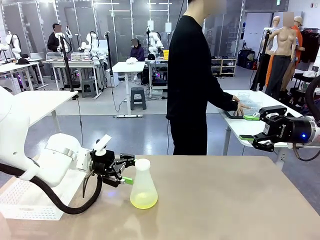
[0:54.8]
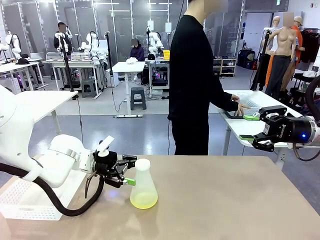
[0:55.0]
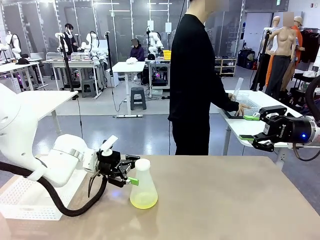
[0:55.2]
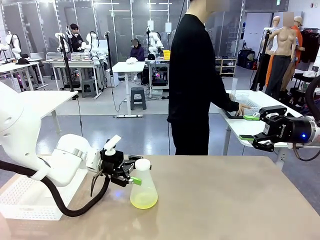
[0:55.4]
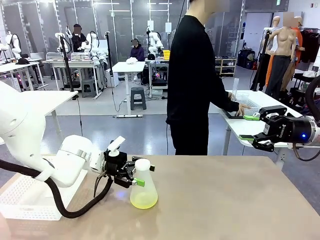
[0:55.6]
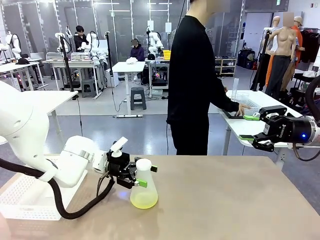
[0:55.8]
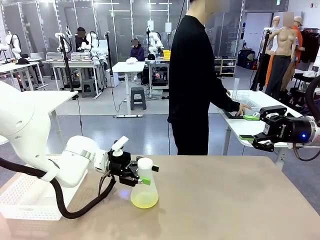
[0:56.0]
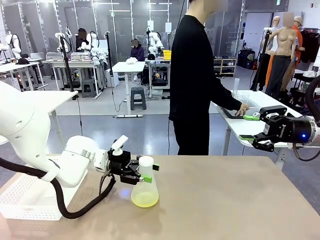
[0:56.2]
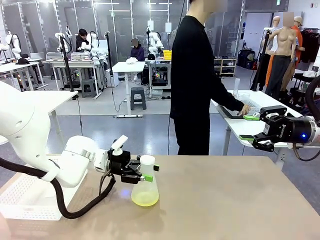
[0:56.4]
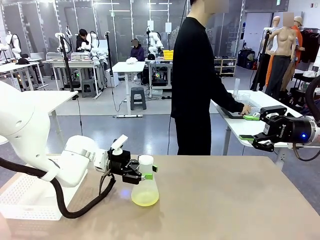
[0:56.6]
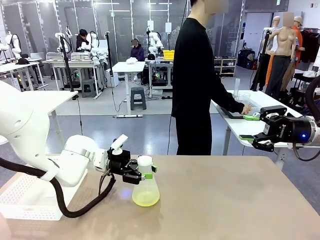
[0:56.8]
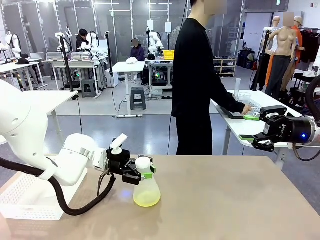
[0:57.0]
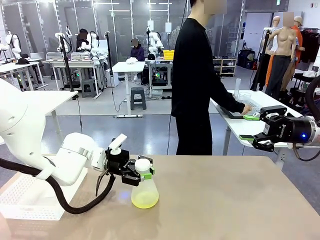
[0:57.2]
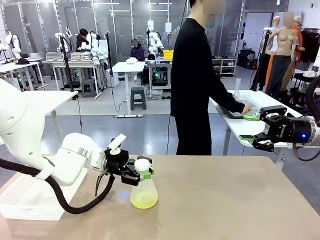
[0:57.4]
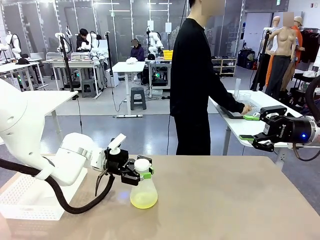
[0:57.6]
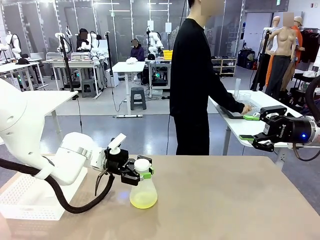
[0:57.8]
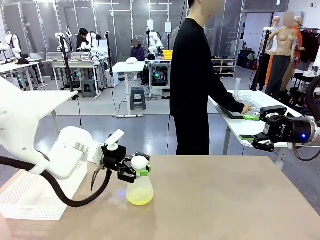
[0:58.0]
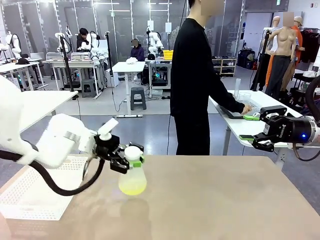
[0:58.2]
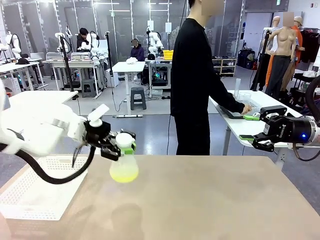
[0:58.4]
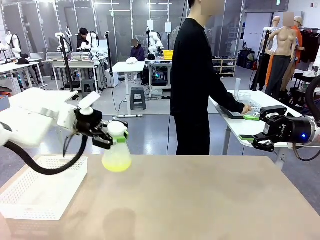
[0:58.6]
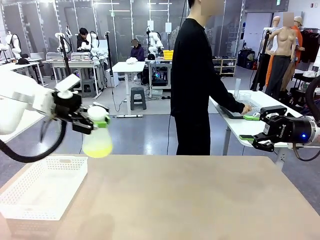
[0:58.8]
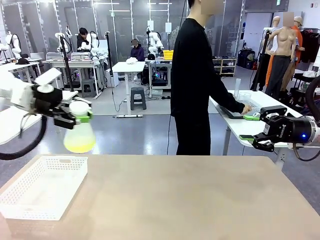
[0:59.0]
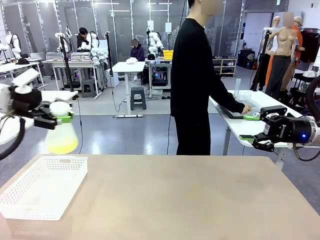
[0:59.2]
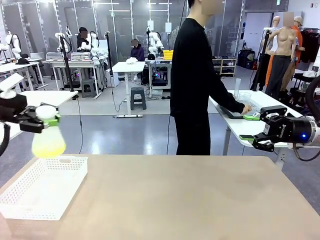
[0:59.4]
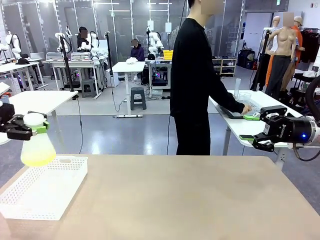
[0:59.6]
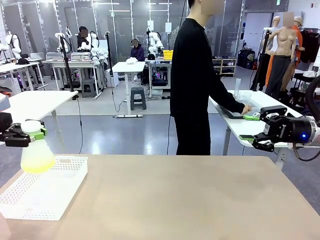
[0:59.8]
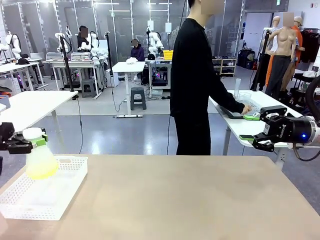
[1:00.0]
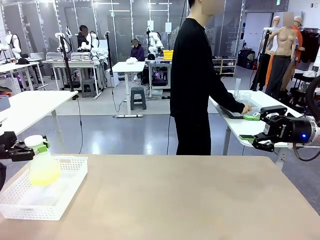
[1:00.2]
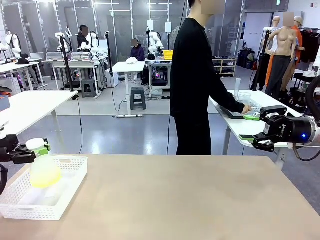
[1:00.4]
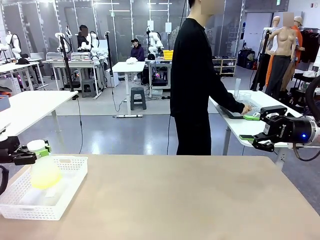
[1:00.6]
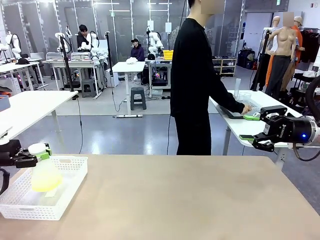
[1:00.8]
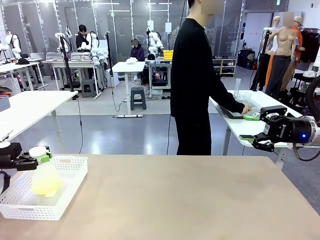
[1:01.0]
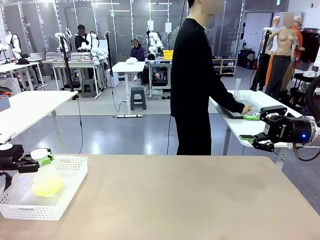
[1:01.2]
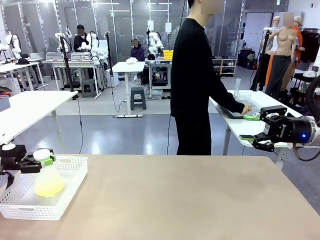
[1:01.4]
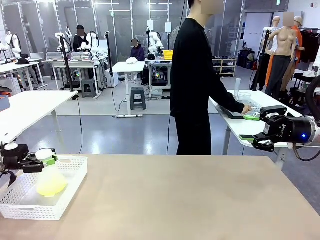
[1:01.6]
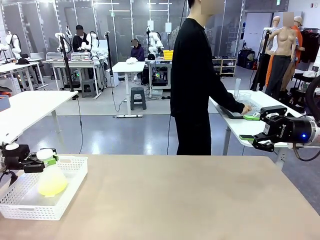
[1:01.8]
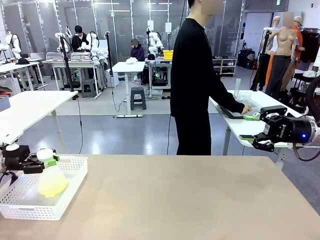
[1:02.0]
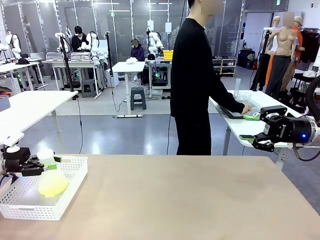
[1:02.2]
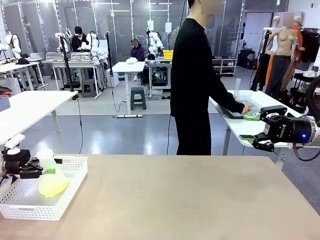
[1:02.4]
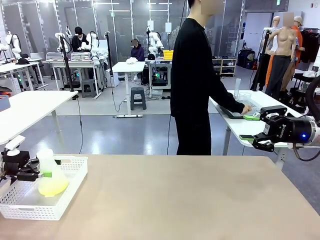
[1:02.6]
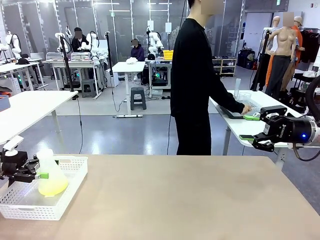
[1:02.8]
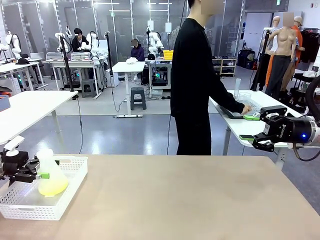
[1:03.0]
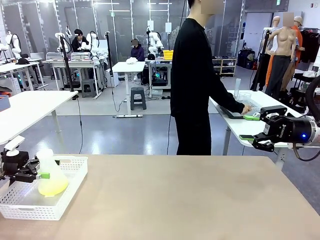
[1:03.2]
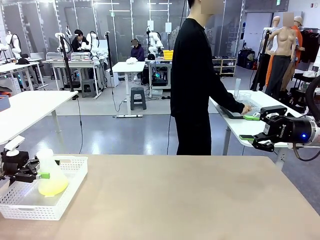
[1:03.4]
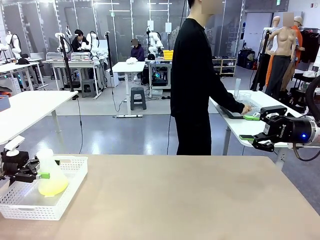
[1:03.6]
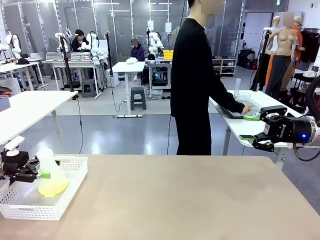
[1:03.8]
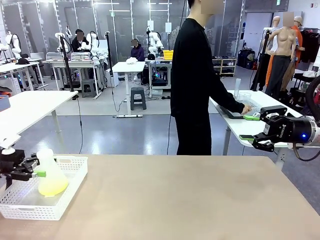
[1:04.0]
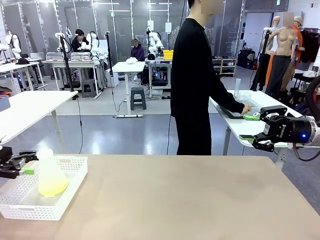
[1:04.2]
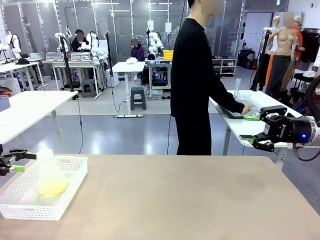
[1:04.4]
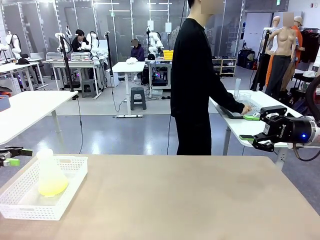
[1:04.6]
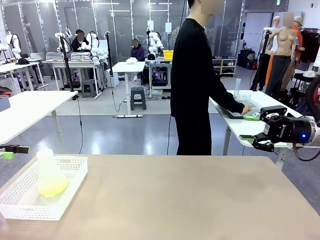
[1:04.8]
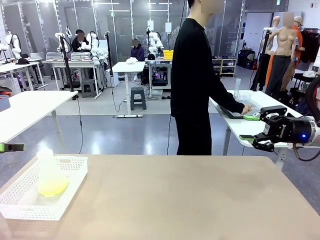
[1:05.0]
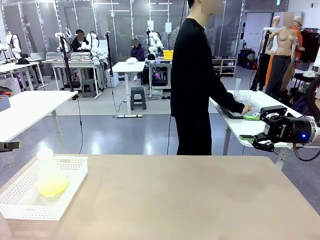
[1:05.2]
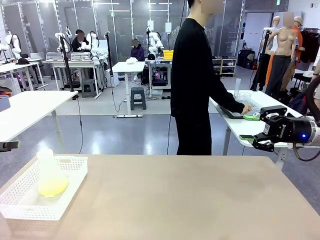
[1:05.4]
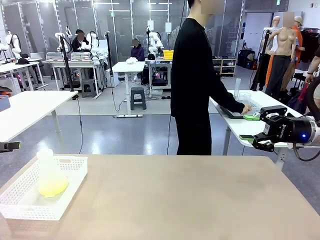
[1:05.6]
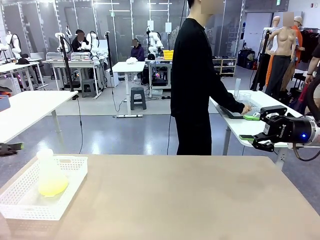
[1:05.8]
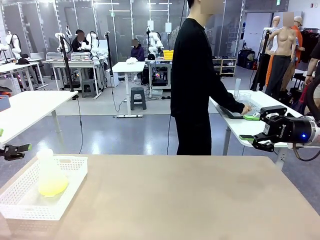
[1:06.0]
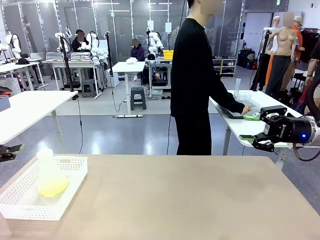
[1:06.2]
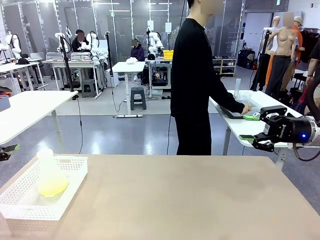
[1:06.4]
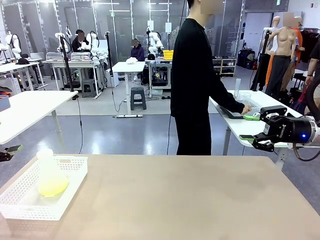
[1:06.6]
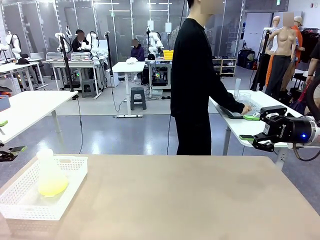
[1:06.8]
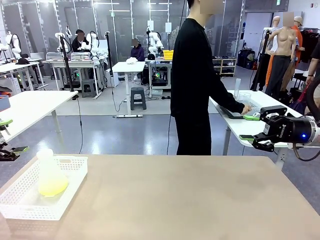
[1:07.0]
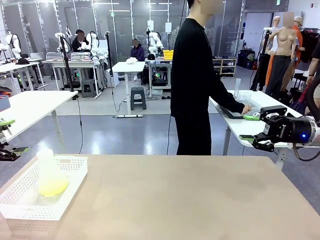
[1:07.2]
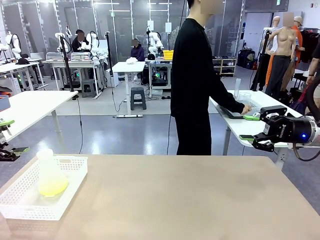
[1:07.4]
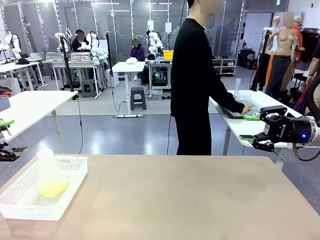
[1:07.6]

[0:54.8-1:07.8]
Task: Prepare the solutions needed for the experiment.
Robot: When the human places the Big flask in the center of the table, pick up the Big flask and place it in the left Organizing basket.
Person: Pick up the organizing basket on the left side of the robot table and place it on the left side of the human table.

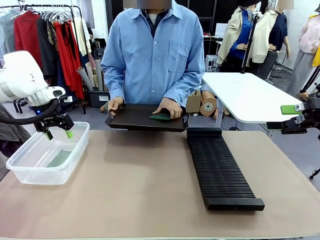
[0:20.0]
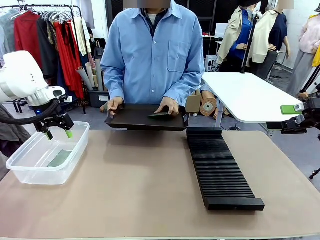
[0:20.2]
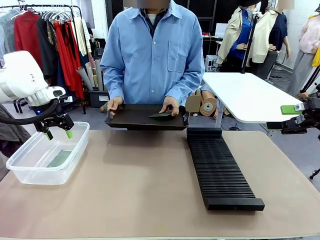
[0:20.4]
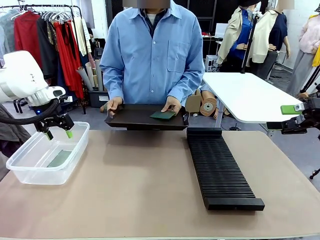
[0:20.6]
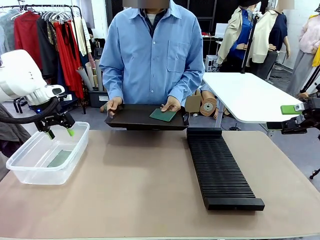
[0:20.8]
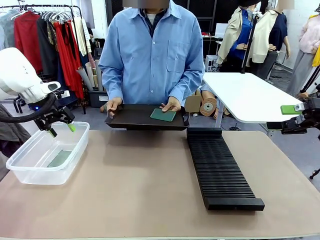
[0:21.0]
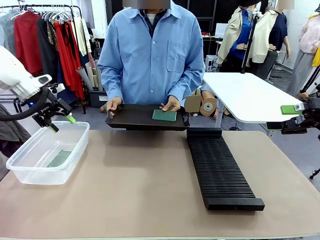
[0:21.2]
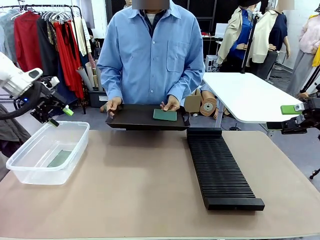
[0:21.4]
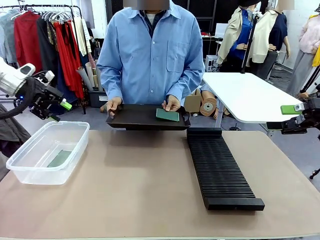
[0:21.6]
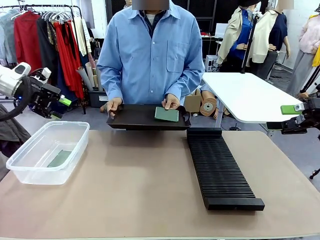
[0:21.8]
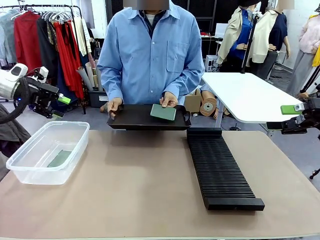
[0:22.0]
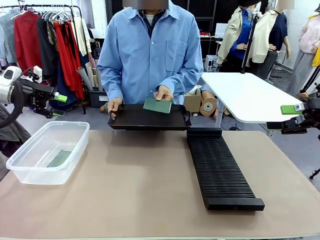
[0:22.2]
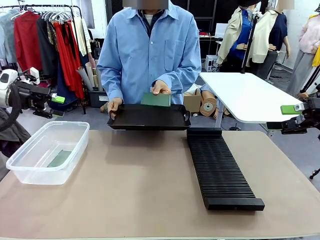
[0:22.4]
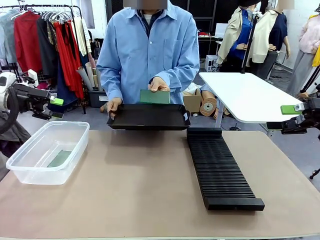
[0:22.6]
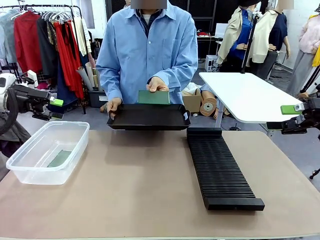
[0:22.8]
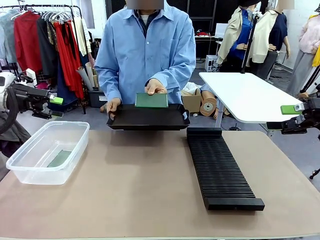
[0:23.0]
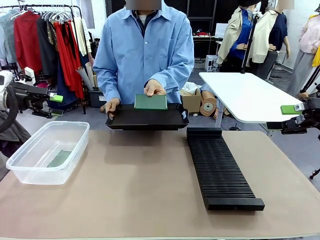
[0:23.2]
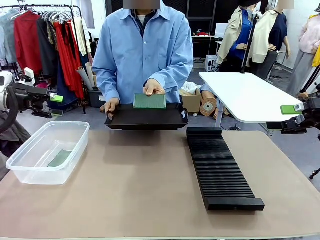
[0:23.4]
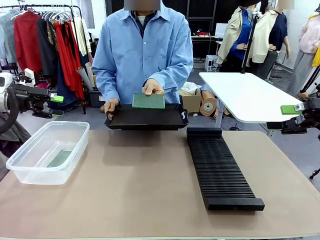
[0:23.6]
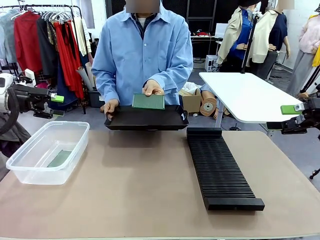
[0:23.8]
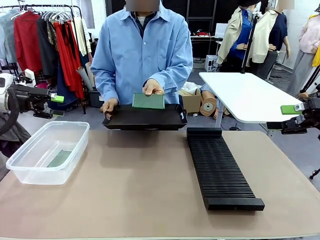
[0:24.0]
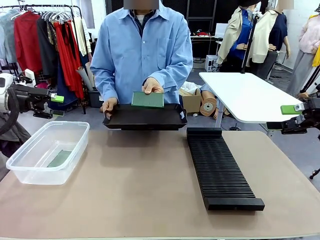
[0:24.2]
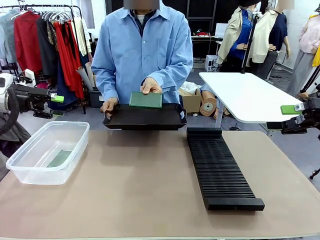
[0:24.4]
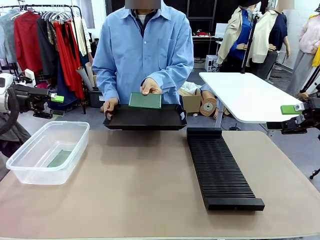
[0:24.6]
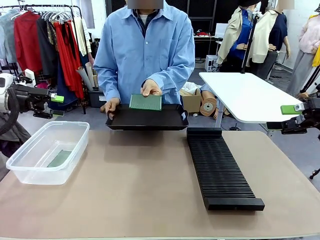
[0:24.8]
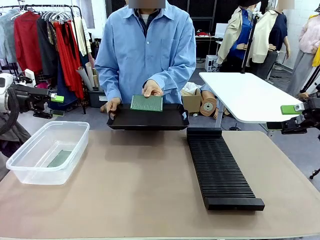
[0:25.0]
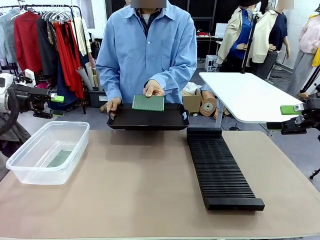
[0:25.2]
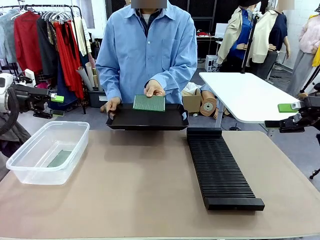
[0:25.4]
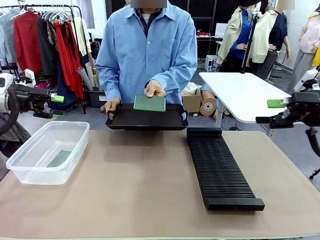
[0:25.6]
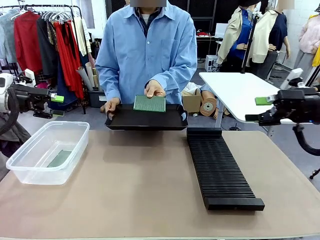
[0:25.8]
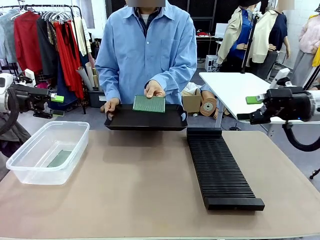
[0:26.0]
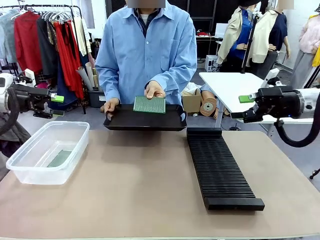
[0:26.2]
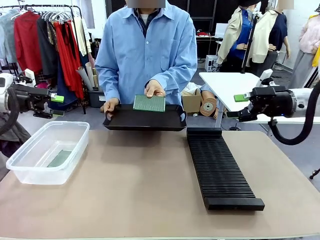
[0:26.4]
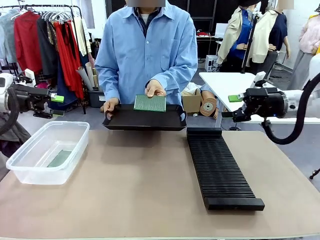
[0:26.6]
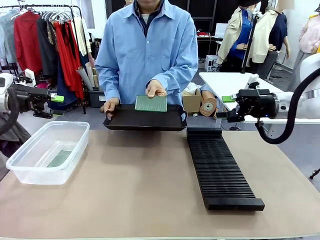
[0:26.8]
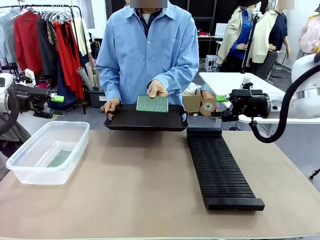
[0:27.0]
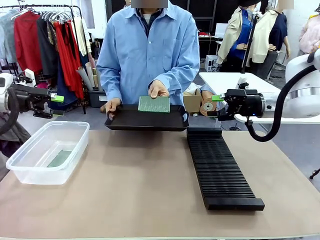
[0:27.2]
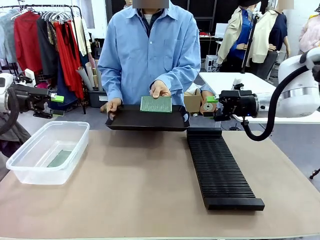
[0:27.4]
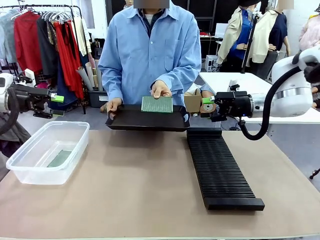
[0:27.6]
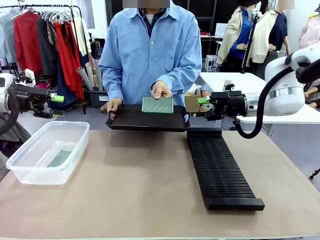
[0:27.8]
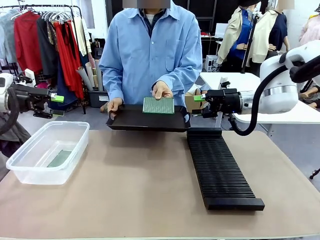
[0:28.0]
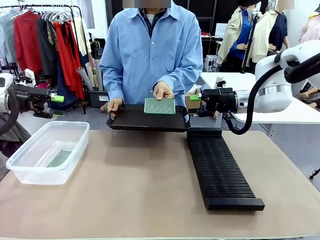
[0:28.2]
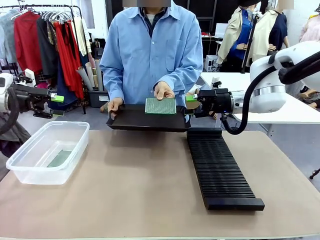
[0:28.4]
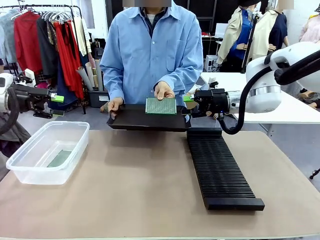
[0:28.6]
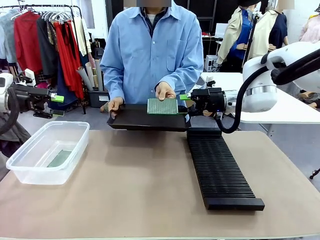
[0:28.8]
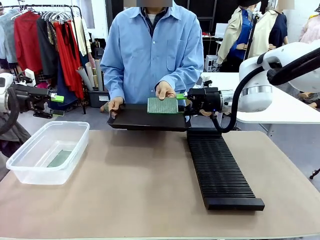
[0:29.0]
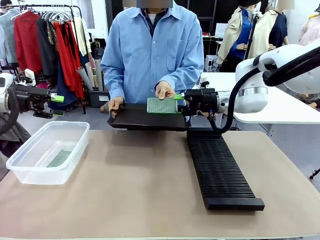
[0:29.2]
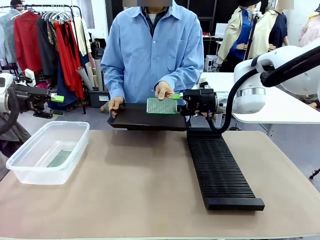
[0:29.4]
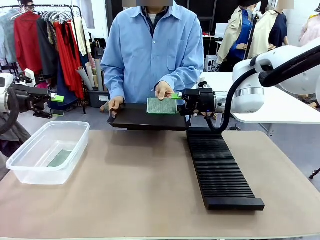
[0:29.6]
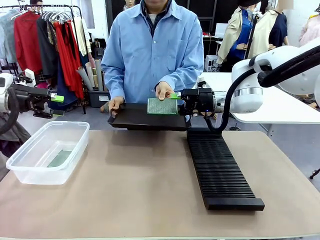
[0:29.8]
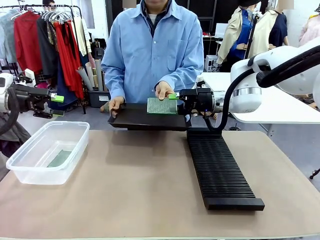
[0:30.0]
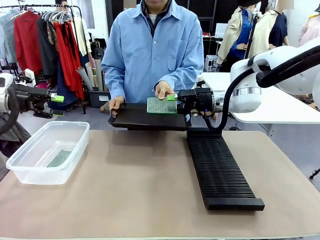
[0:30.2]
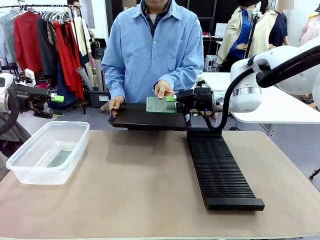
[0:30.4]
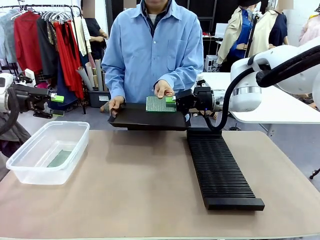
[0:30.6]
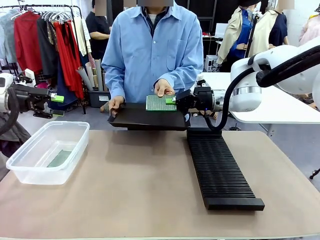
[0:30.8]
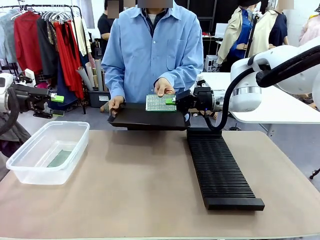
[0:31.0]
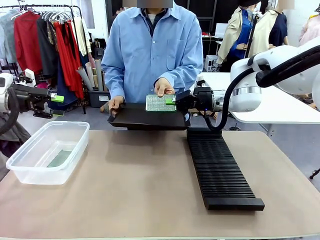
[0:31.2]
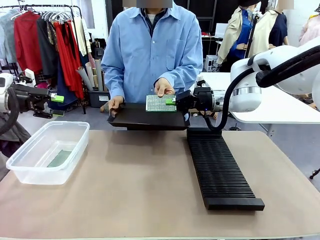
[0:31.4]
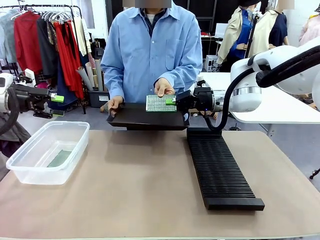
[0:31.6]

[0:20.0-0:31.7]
Task: Sort PCBs into racks and boxes based on the side picked up.
Robot: Pick up the Blank PCB handed by the Human.
